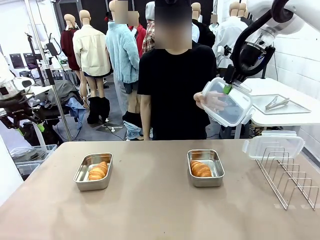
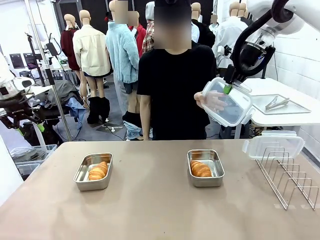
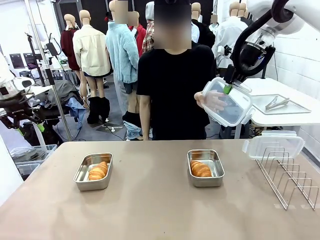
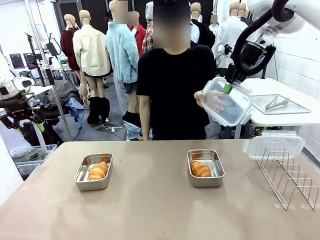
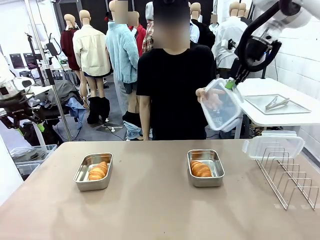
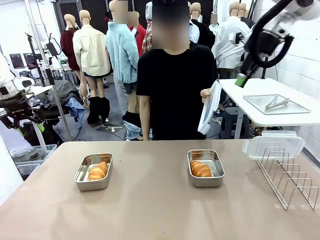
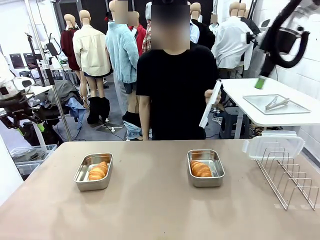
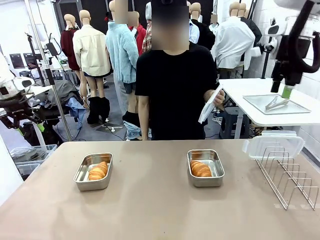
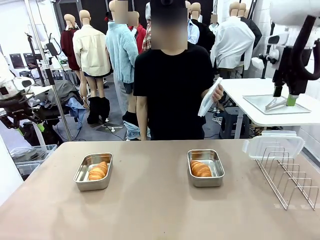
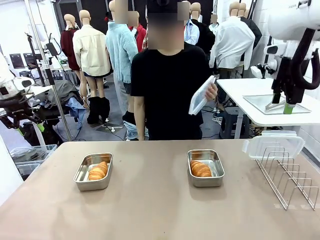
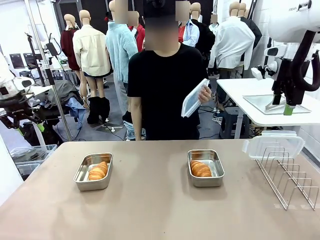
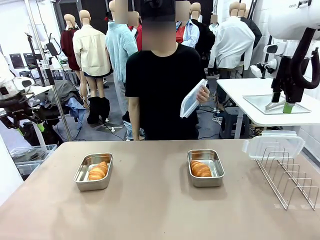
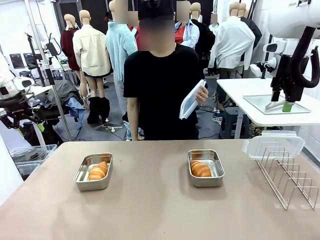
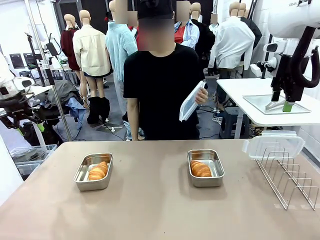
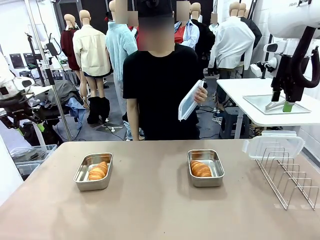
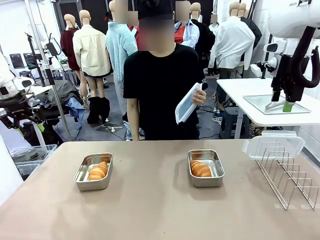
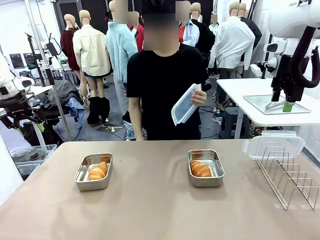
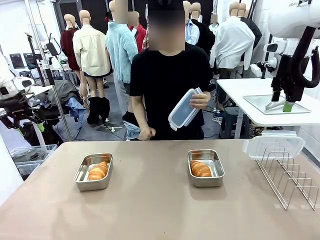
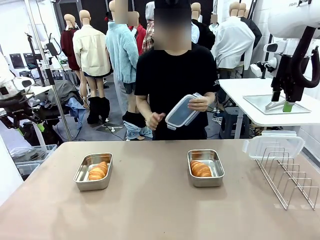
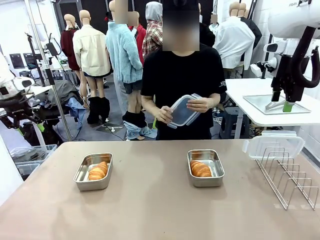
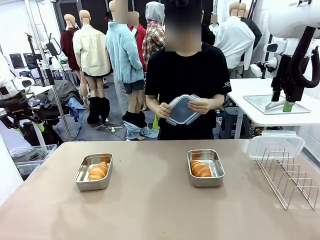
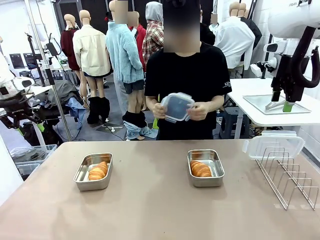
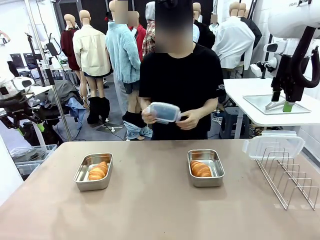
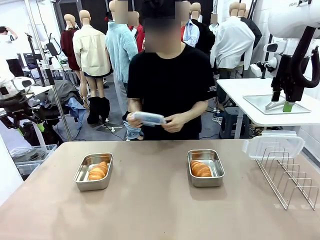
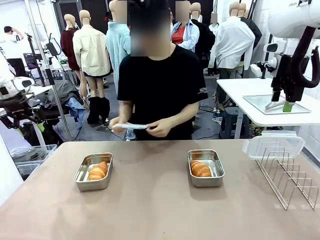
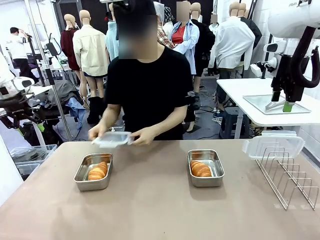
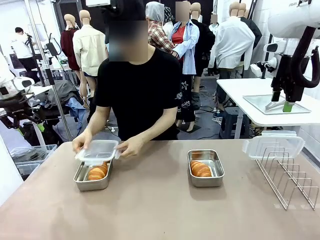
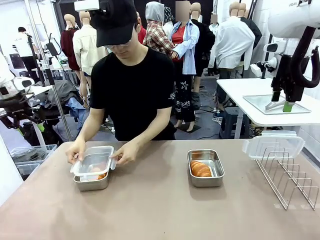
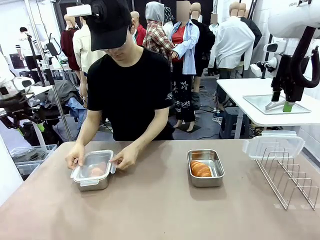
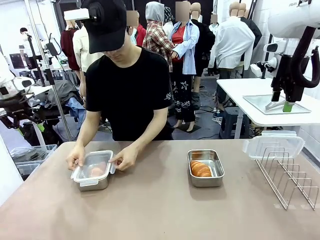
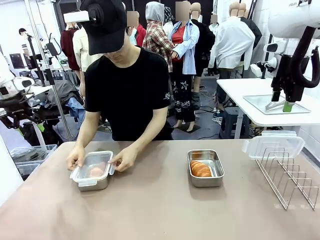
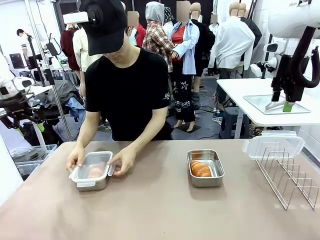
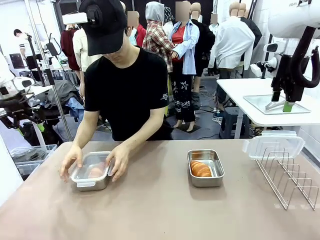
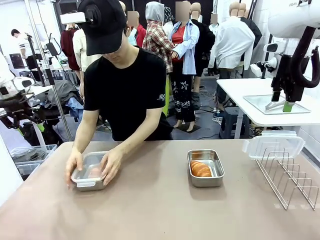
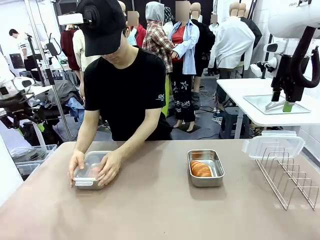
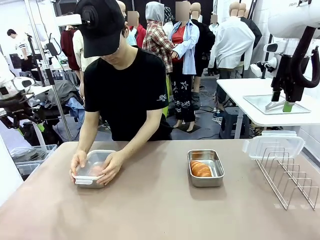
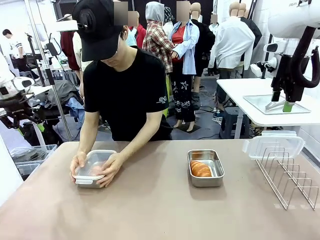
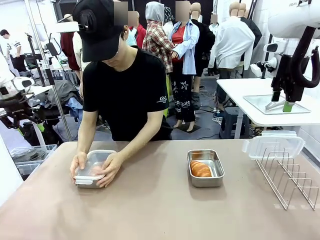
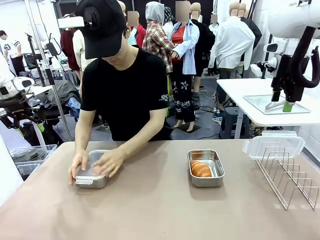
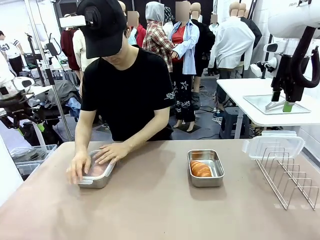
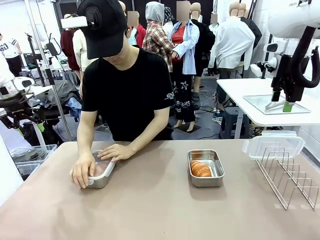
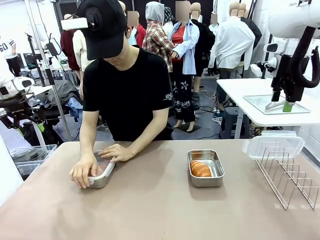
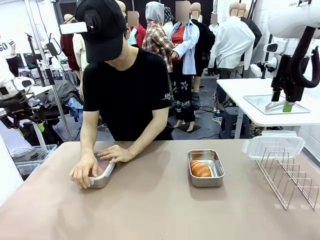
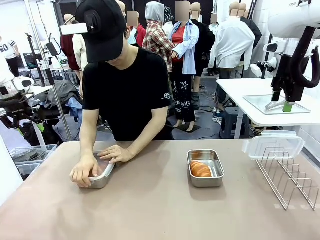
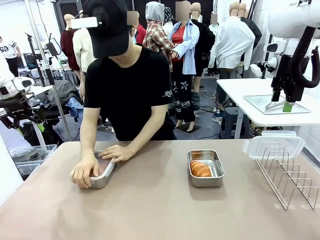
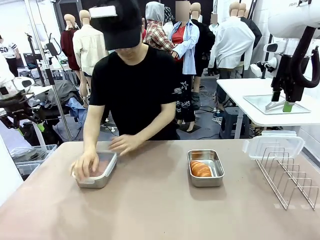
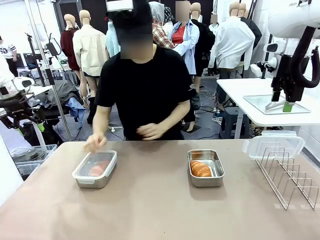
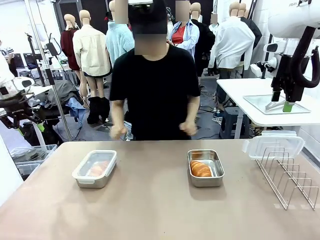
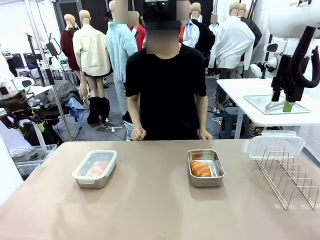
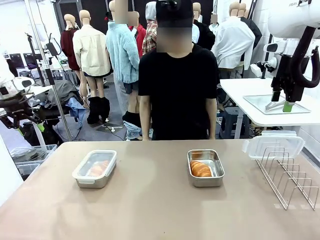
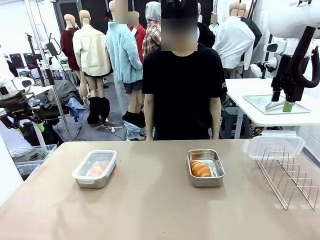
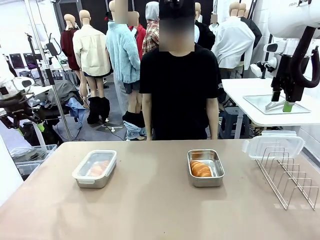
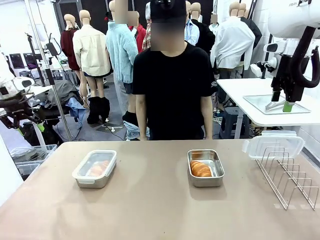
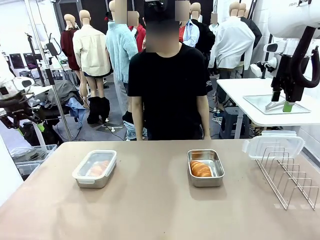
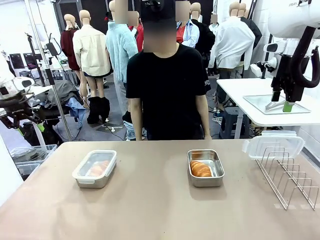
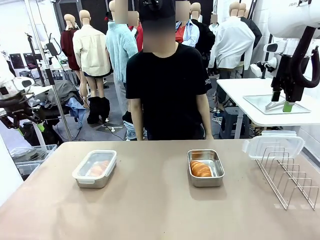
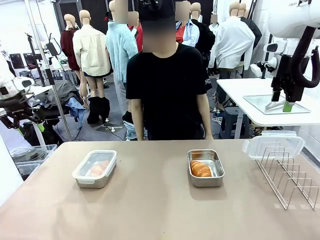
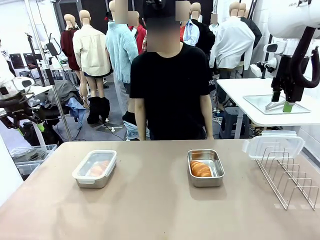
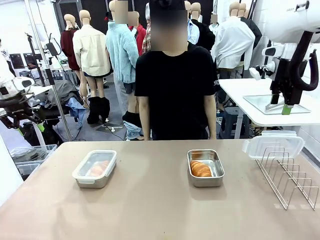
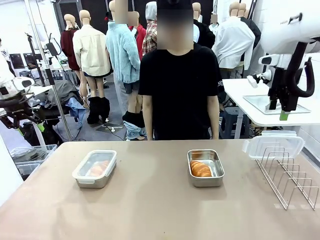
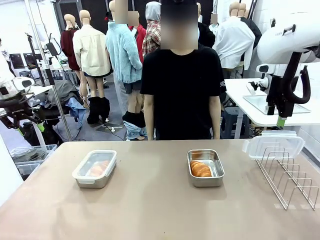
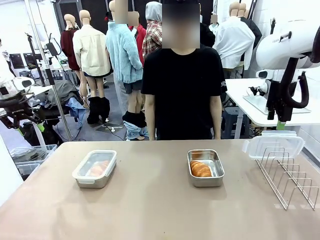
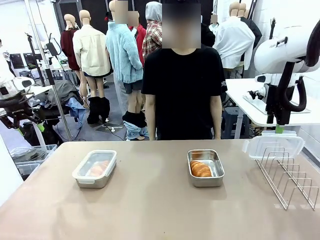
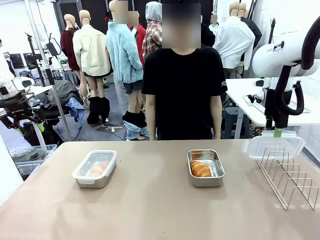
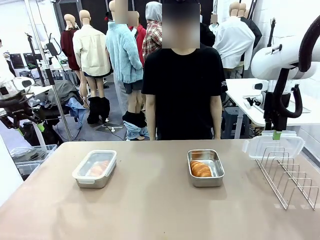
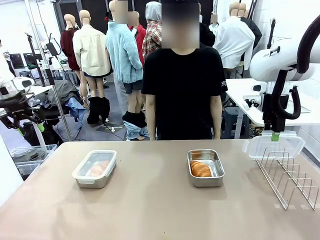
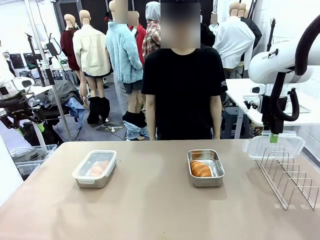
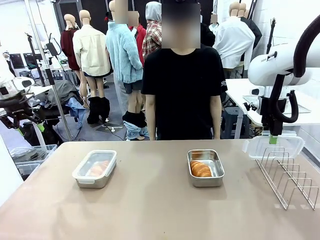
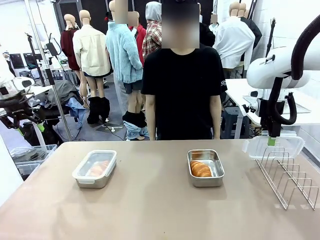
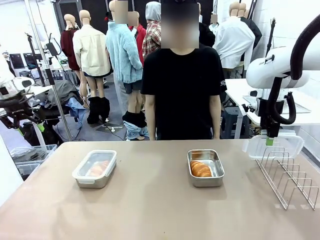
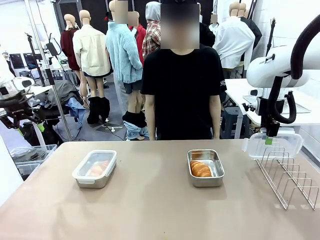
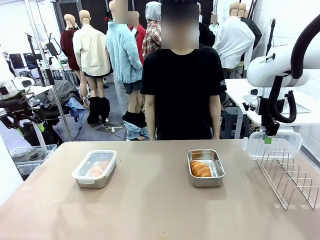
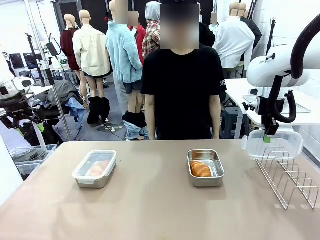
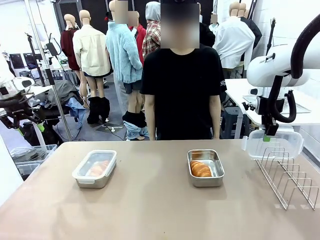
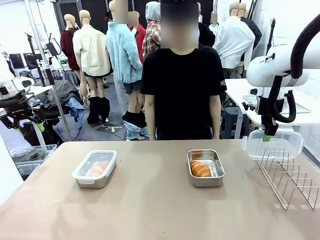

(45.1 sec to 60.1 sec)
Task: Place the bread in airtight containers.
Robot: Pick up one Airtight Container lid and hand it to the human.
Person: Close Airtight Container with a handed Airtight Container lid.
